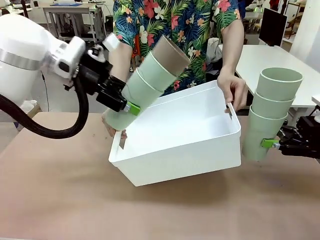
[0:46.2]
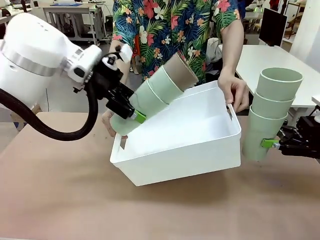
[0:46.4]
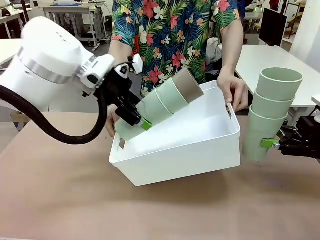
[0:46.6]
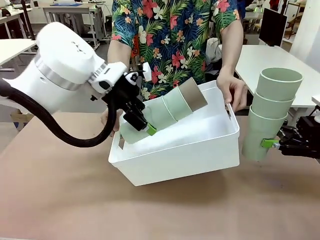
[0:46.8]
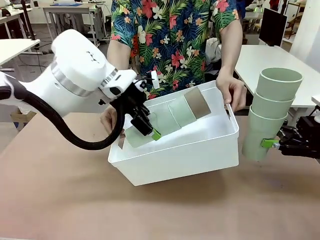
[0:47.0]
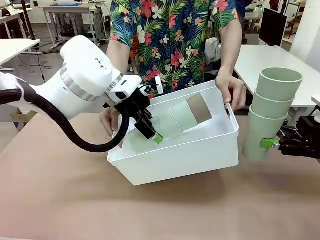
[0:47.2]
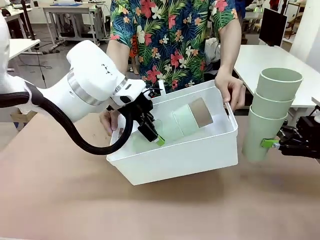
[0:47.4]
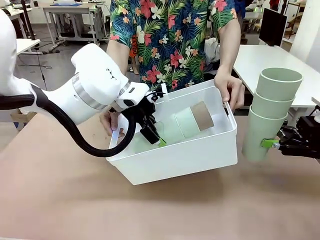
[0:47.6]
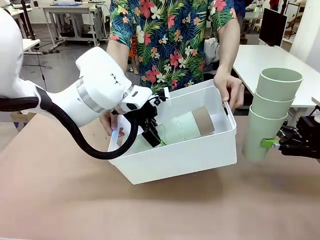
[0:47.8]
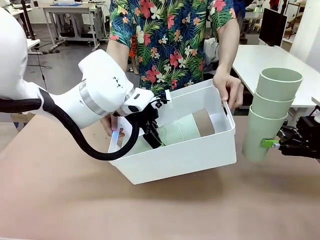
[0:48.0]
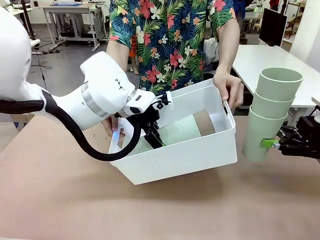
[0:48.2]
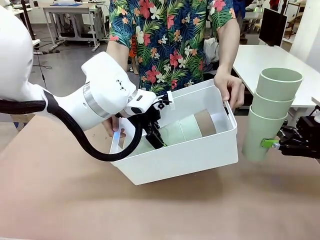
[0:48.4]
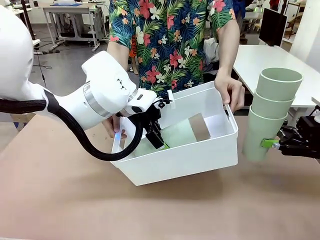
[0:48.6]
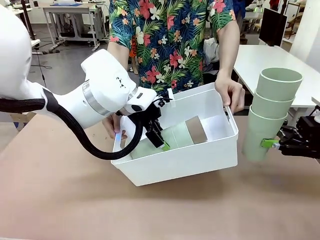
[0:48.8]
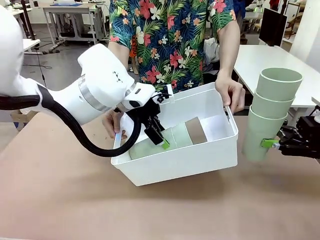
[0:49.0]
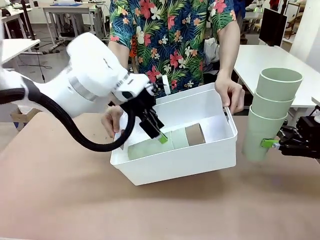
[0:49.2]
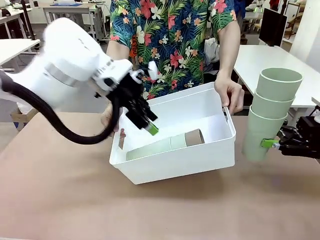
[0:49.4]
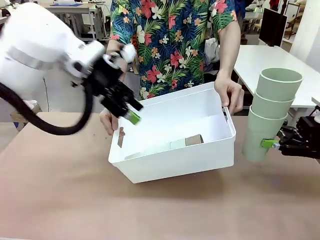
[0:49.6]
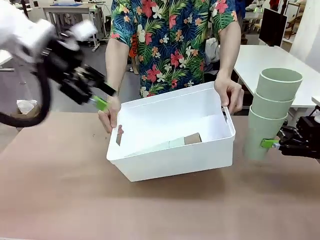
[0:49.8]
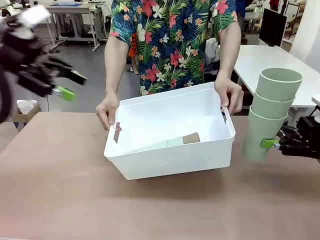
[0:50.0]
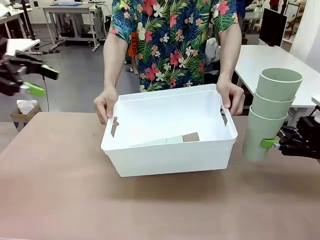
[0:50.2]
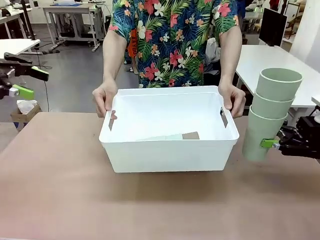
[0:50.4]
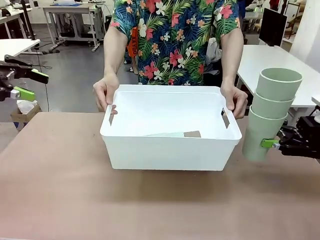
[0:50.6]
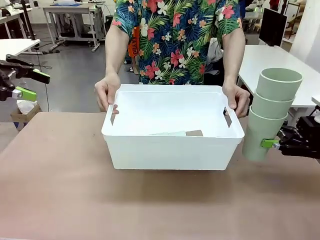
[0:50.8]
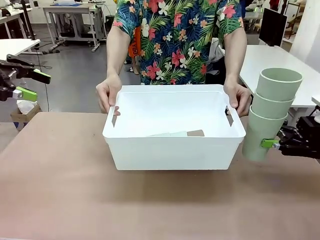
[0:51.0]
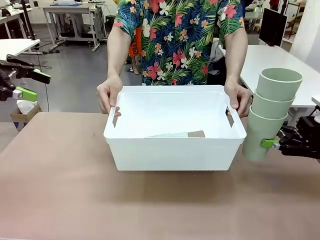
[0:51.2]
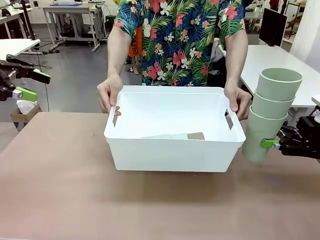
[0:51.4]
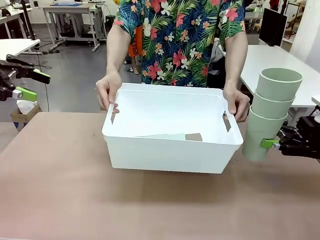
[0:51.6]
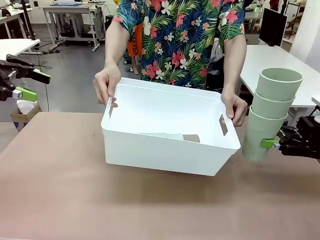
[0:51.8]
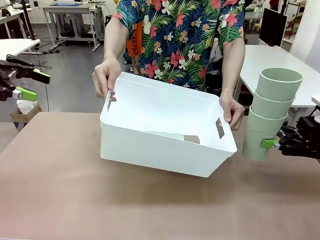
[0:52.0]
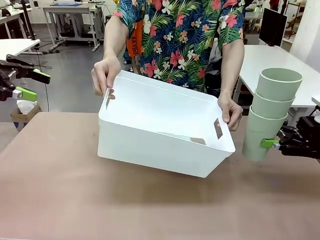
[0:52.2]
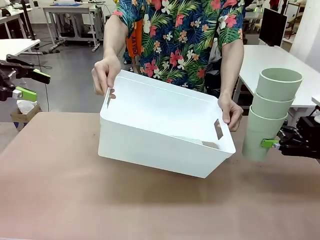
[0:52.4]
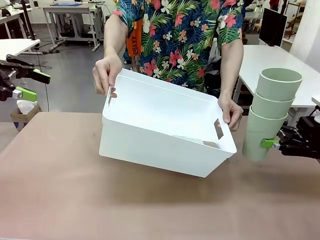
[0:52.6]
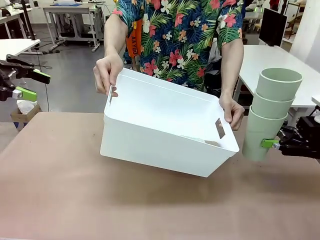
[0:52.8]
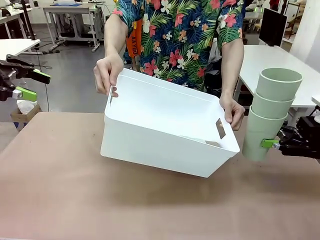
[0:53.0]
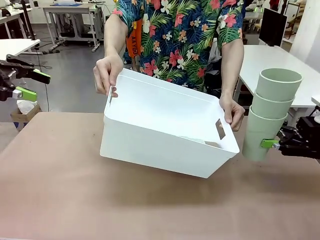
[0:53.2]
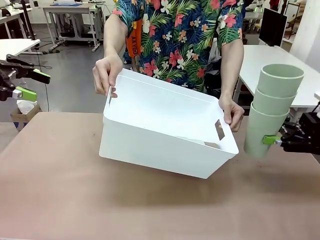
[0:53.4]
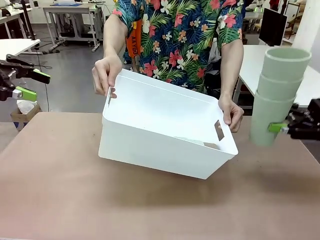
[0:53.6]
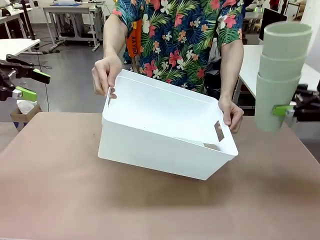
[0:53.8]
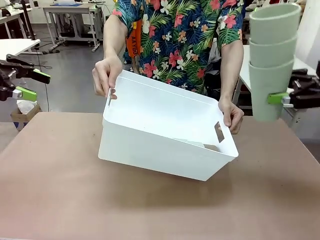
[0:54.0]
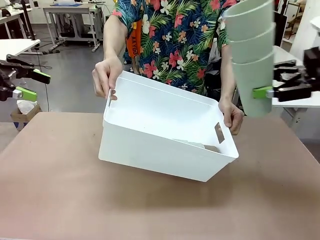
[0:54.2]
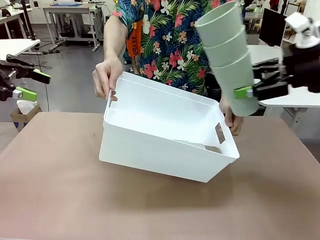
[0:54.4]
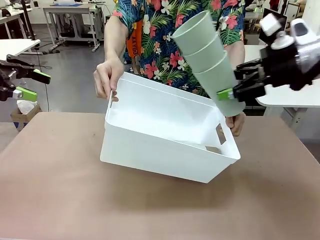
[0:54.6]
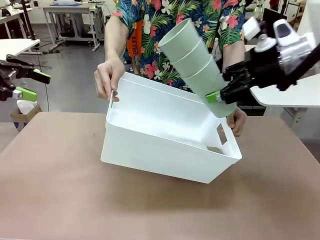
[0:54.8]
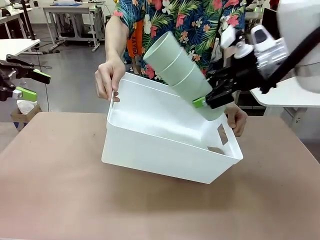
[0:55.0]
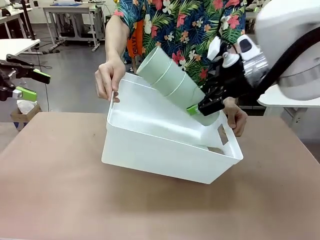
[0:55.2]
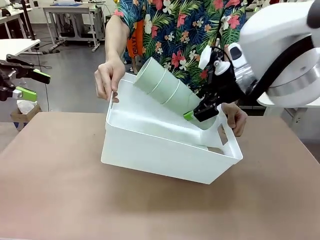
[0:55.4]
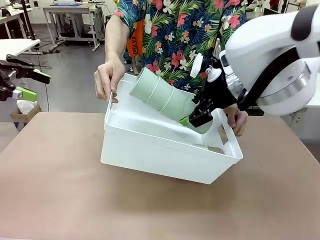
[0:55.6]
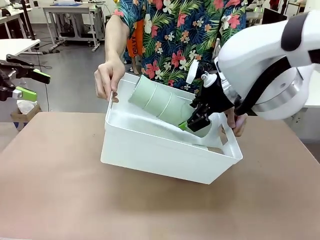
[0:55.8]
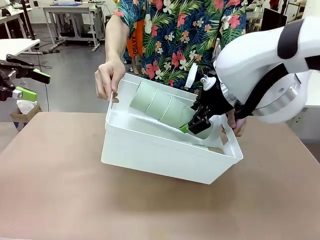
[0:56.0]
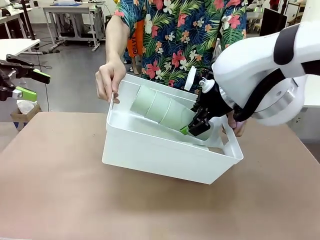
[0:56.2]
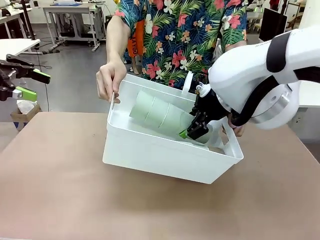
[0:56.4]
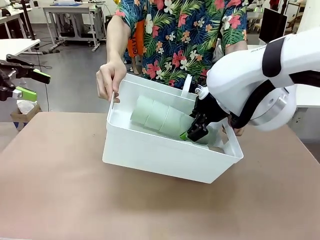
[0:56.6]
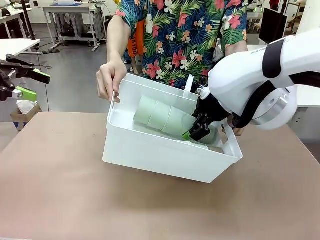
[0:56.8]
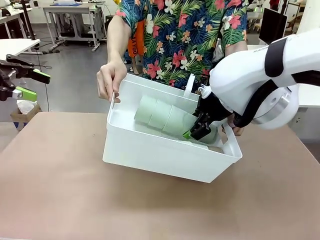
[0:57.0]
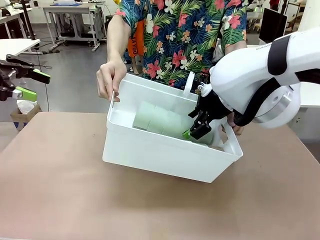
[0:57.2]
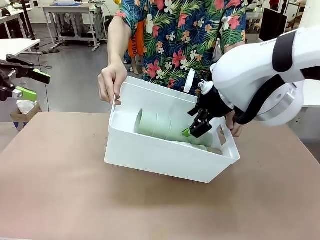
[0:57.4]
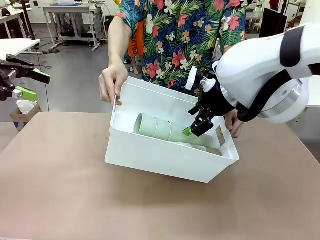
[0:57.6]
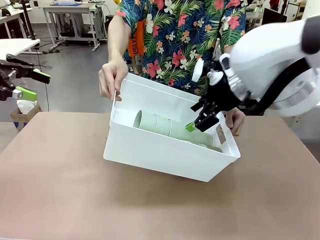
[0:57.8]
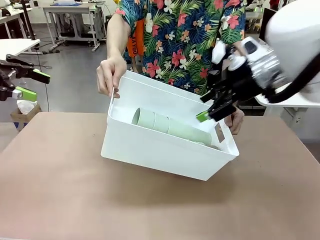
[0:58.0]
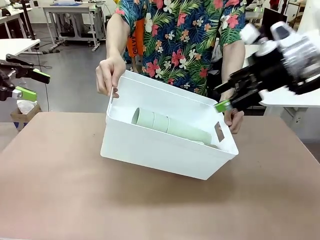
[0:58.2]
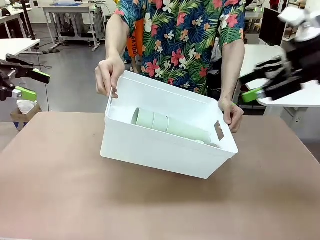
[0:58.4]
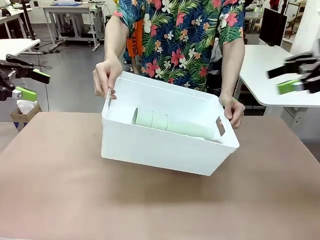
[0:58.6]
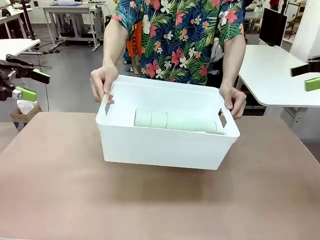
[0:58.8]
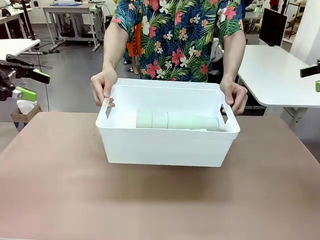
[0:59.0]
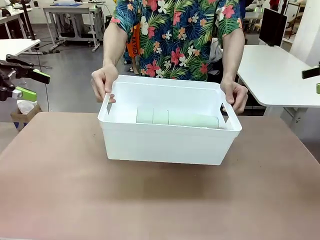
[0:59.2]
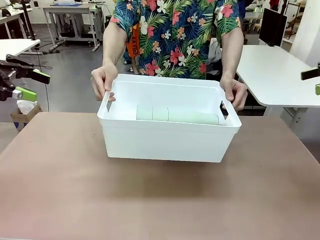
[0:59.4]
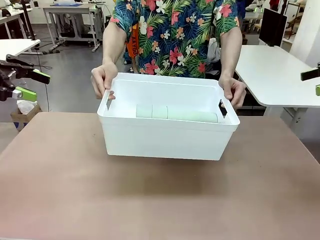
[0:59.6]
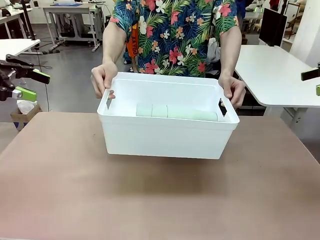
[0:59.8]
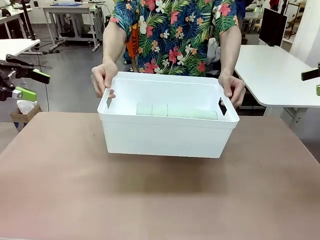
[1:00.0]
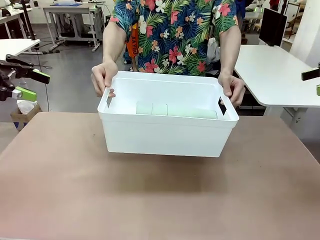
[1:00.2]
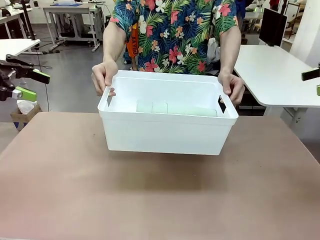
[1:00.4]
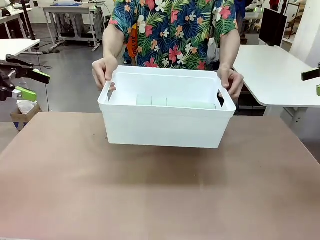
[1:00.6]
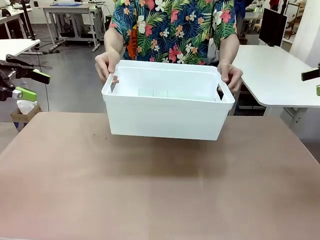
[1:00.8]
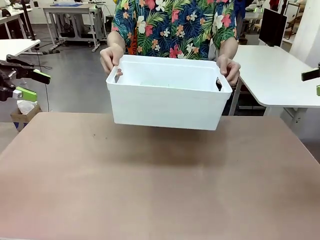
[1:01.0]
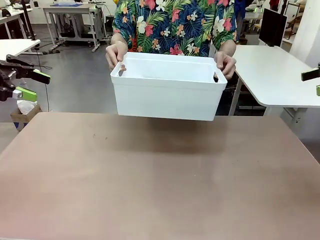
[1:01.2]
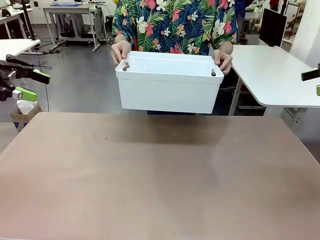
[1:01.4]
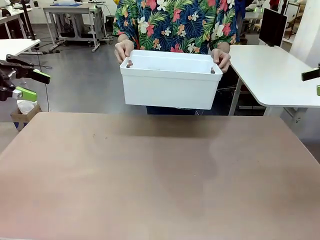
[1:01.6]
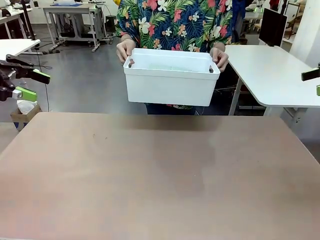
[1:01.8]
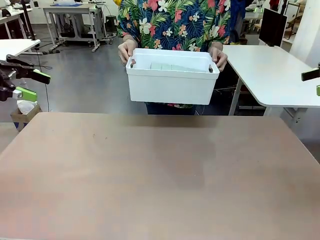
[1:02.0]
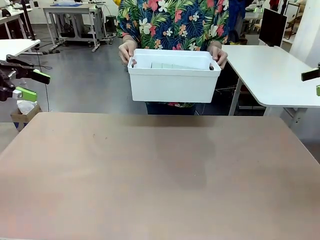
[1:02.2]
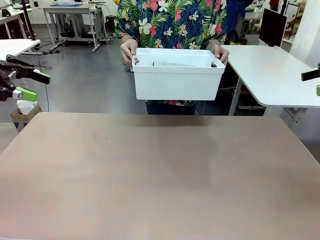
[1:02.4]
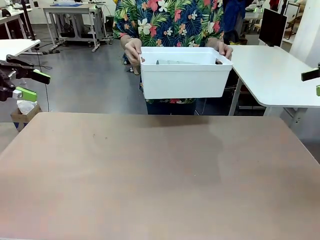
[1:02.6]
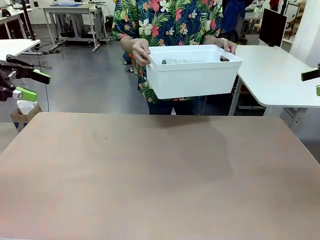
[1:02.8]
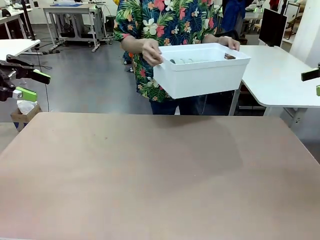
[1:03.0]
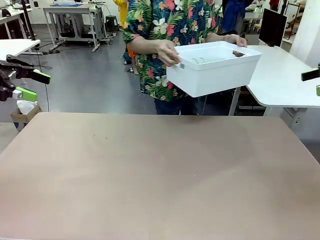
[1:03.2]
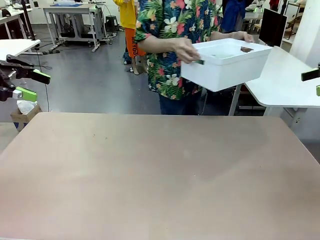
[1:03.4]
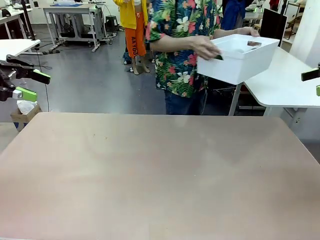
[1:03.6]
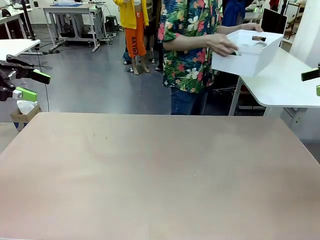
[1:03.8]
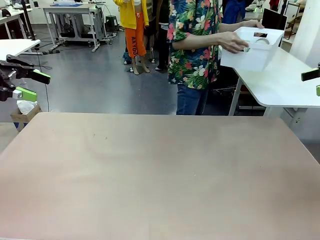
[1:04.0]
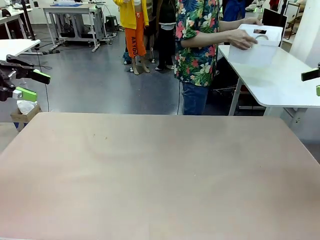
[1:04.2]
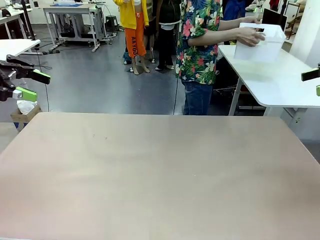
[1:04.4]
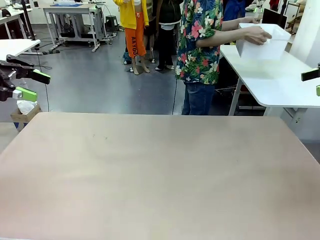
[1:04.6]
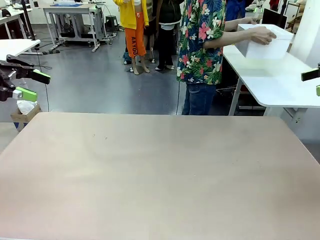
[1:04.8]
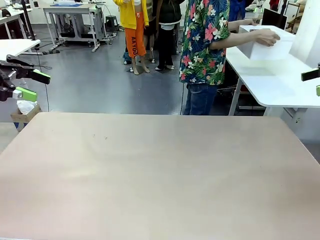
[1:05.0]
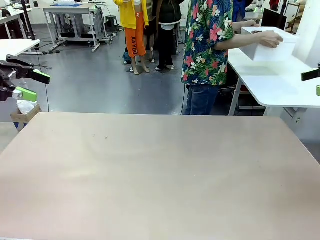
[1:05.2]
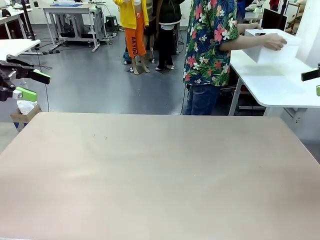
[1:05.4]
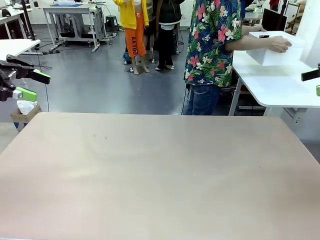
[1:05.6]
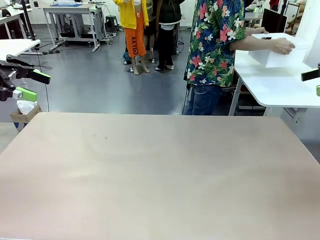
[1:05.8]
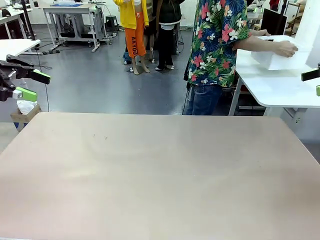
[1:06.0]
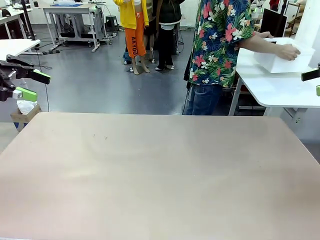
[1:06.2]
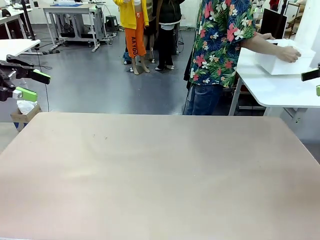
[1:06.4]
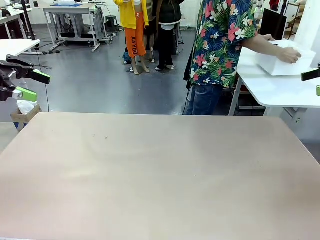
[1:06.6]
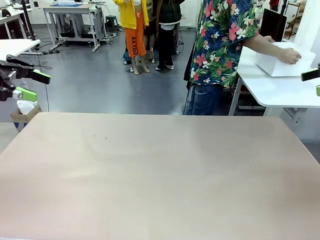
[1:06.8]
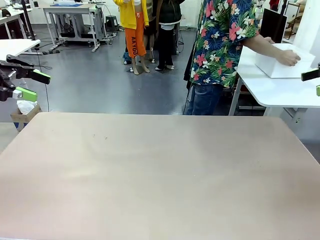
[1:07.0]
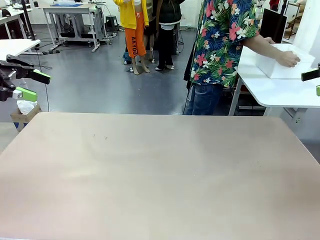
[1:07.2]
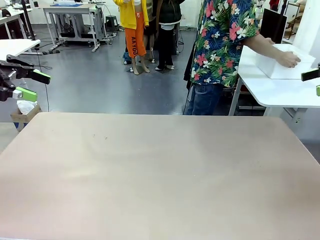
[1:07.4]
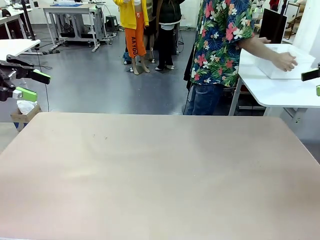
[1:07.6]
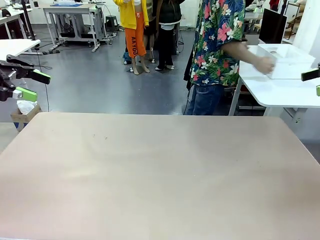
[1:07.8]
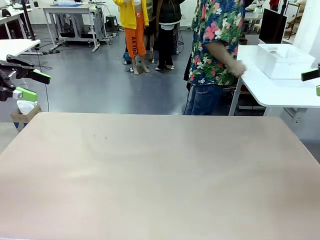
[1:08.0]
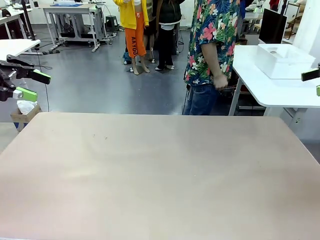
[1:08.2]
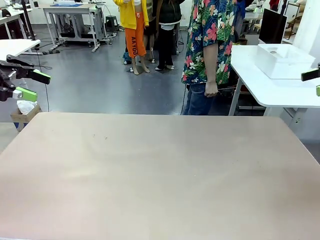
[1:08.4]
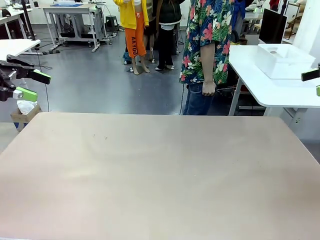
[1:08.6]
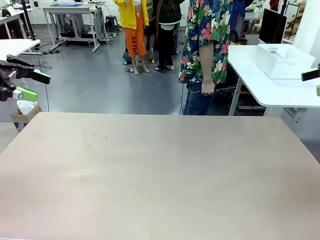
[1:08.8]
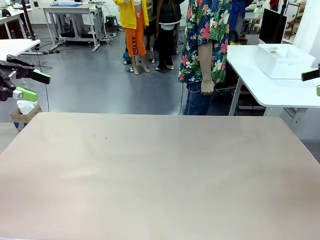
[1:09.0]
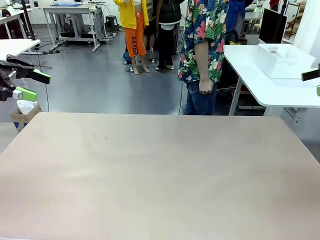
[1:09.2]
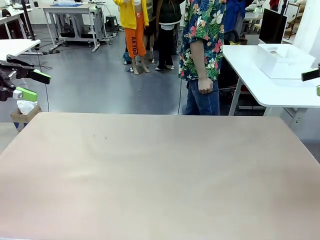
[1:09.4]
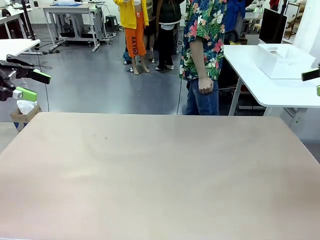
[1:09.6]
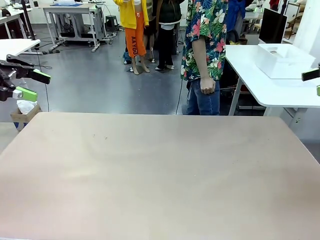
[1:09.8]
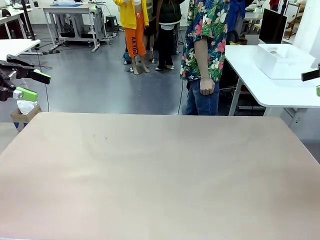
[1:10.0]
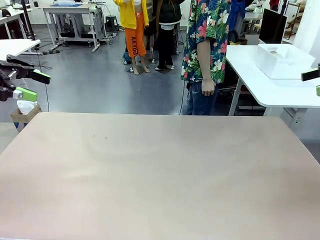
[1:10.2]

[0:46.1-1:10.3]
Task: Stack the cups and store them in the basket.
Robot: Place the stack of Reusable plastic cups into the Pantry Basket.
Person: Place the basket containing the cups in the middle of the Human Table.
